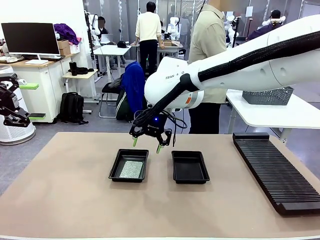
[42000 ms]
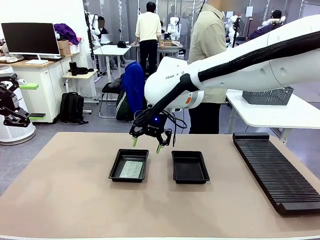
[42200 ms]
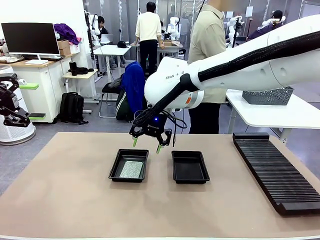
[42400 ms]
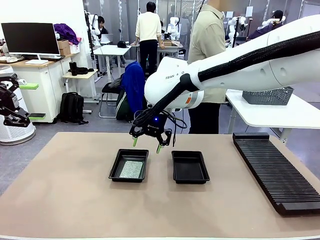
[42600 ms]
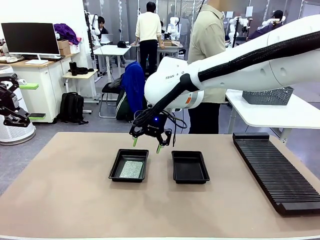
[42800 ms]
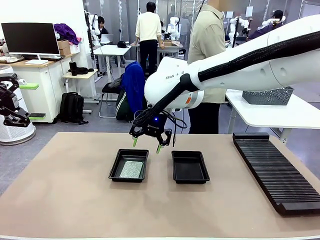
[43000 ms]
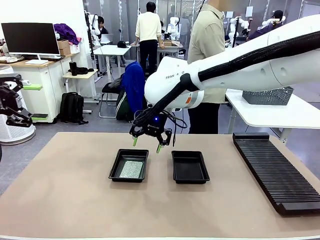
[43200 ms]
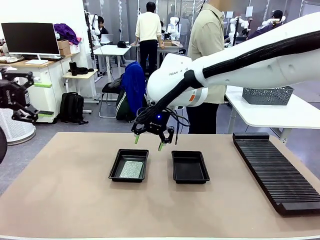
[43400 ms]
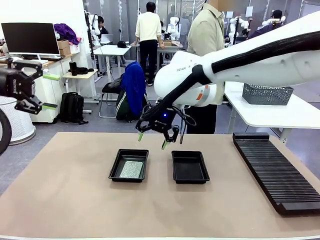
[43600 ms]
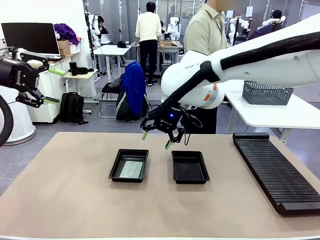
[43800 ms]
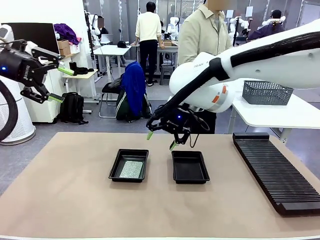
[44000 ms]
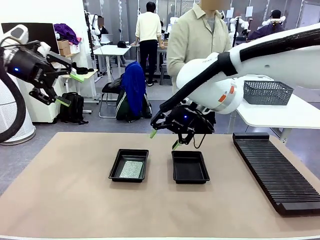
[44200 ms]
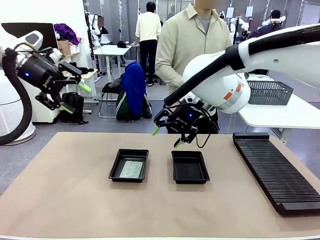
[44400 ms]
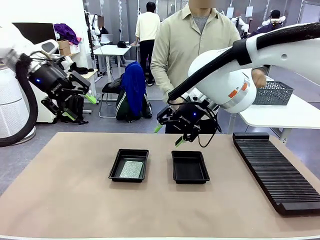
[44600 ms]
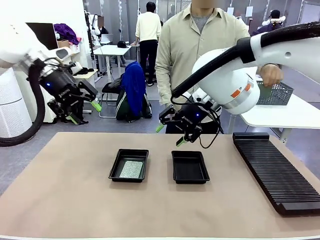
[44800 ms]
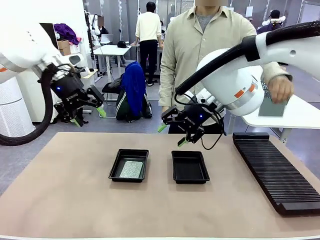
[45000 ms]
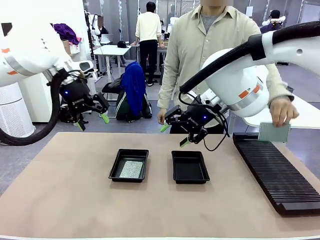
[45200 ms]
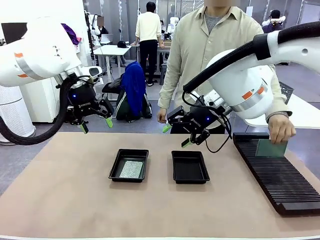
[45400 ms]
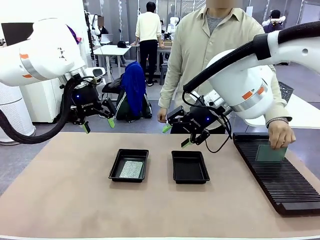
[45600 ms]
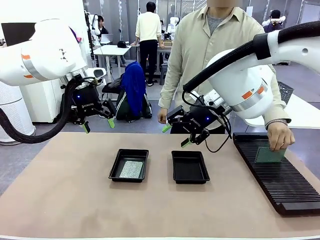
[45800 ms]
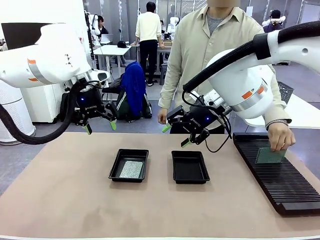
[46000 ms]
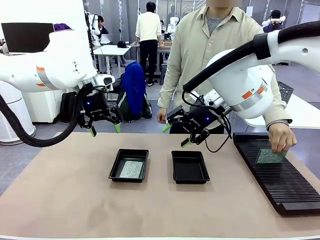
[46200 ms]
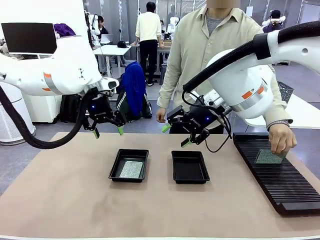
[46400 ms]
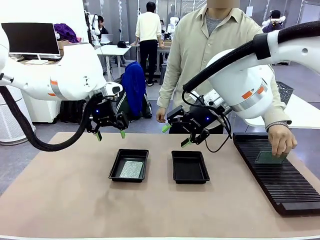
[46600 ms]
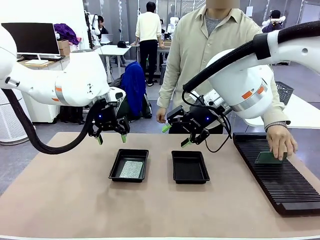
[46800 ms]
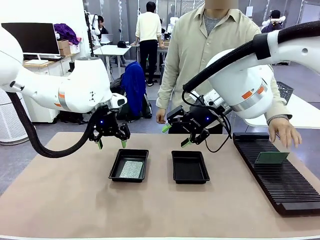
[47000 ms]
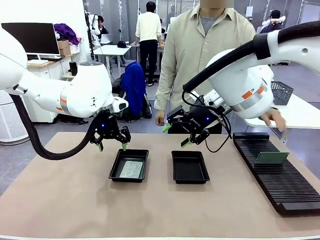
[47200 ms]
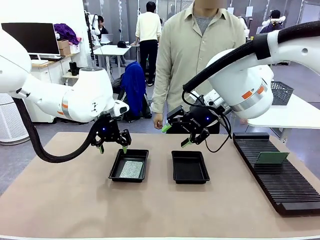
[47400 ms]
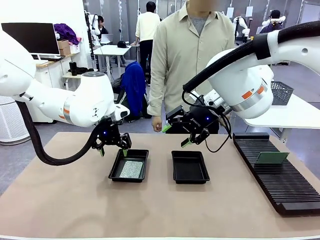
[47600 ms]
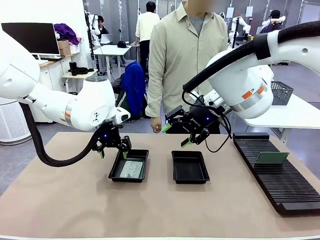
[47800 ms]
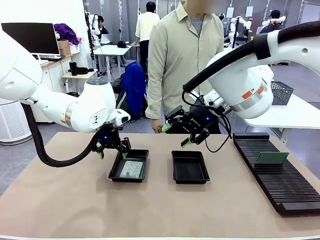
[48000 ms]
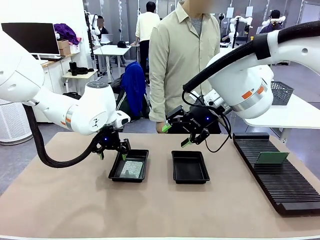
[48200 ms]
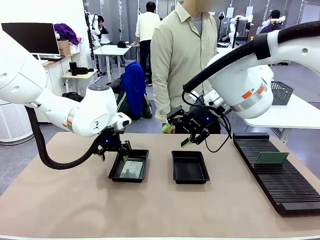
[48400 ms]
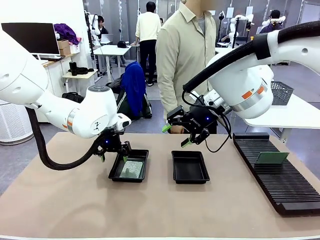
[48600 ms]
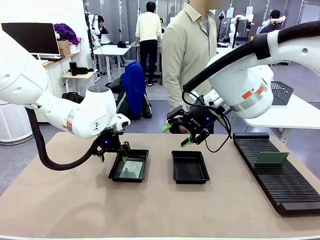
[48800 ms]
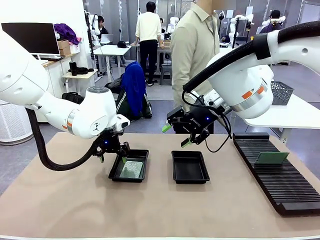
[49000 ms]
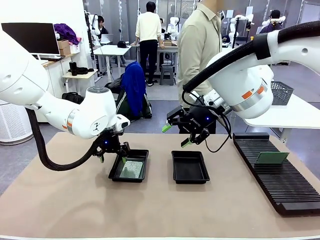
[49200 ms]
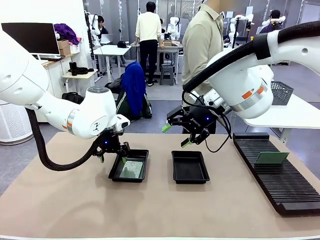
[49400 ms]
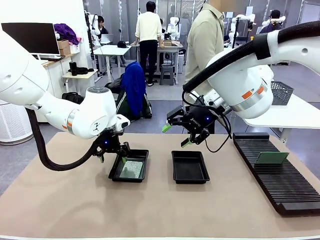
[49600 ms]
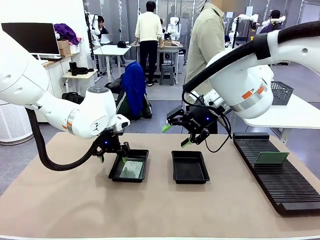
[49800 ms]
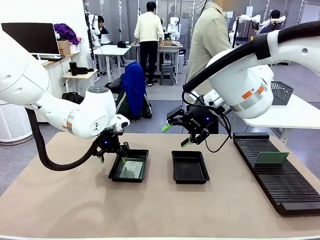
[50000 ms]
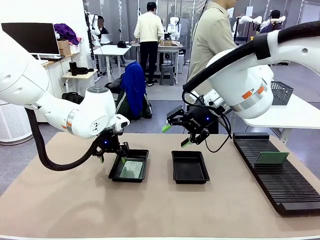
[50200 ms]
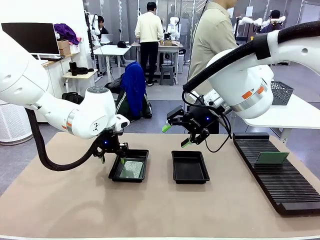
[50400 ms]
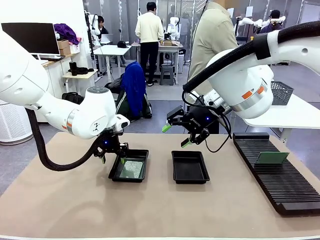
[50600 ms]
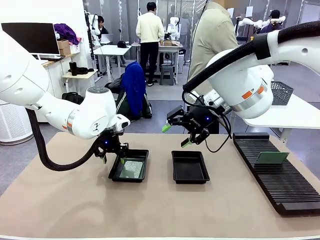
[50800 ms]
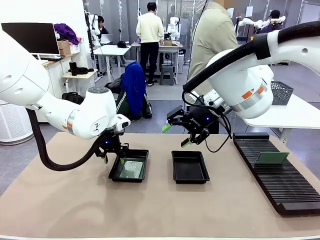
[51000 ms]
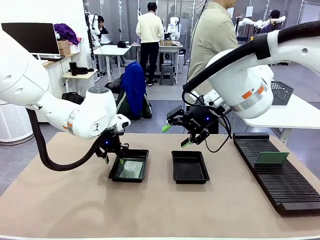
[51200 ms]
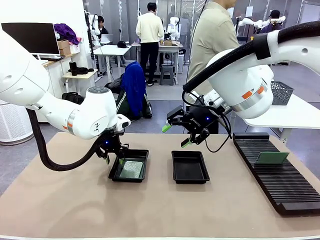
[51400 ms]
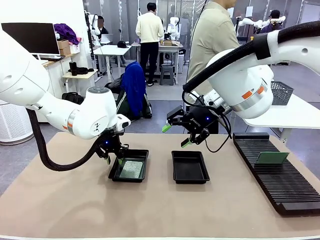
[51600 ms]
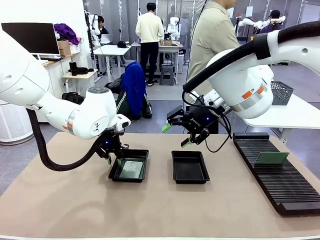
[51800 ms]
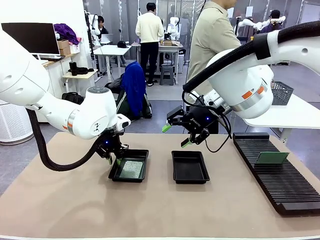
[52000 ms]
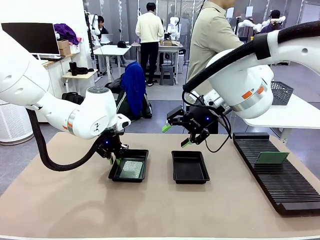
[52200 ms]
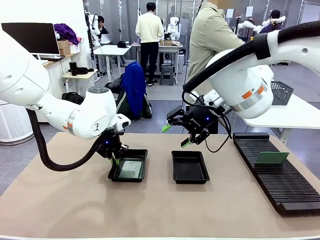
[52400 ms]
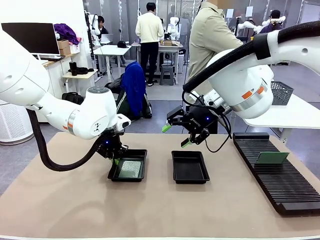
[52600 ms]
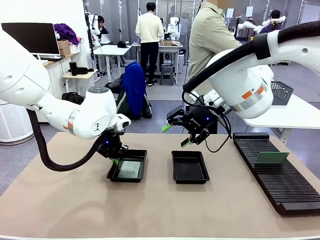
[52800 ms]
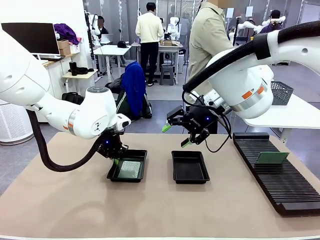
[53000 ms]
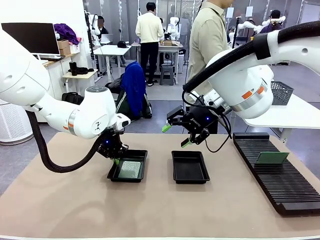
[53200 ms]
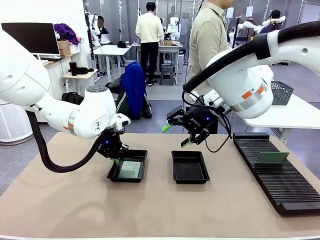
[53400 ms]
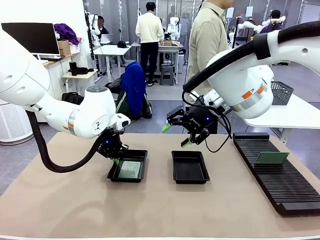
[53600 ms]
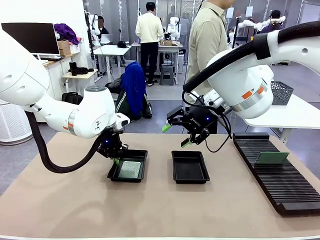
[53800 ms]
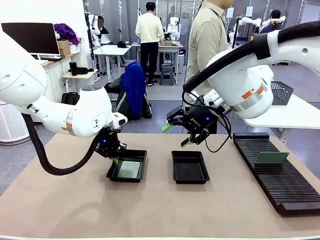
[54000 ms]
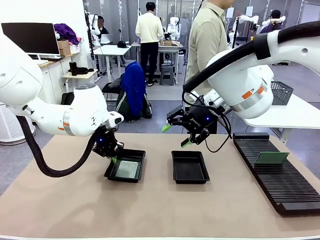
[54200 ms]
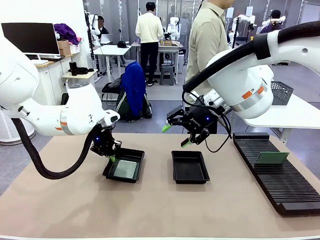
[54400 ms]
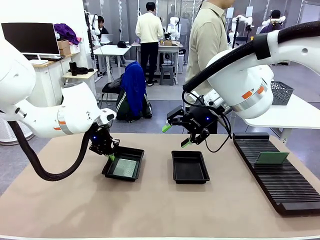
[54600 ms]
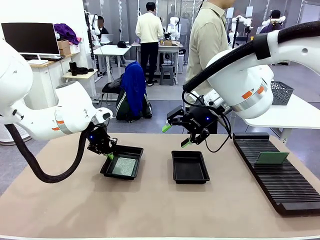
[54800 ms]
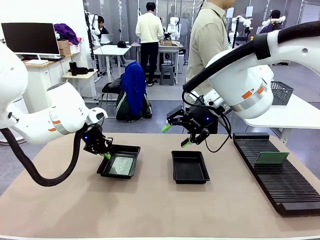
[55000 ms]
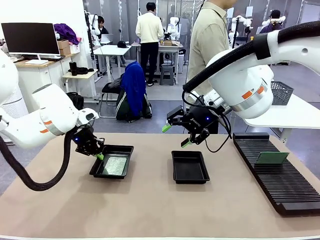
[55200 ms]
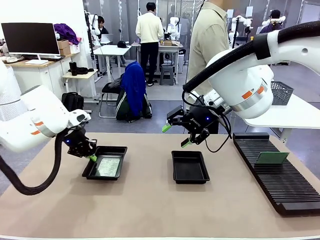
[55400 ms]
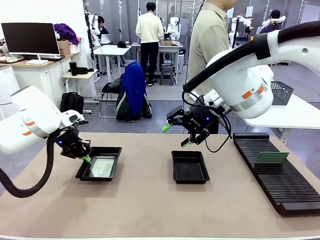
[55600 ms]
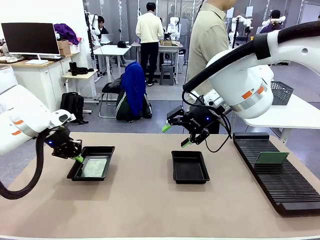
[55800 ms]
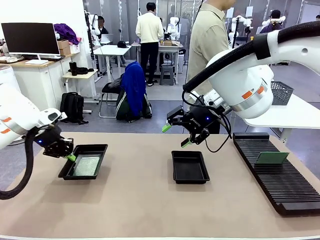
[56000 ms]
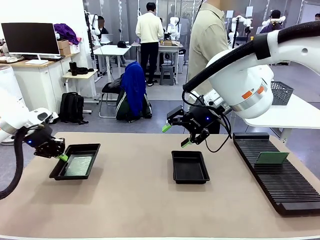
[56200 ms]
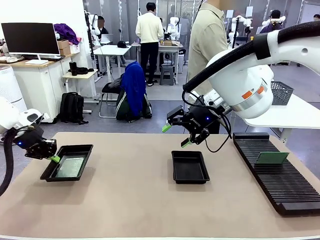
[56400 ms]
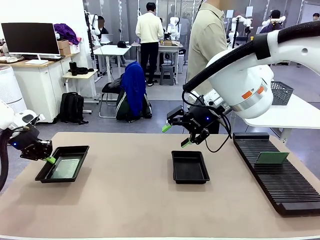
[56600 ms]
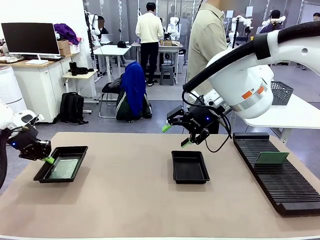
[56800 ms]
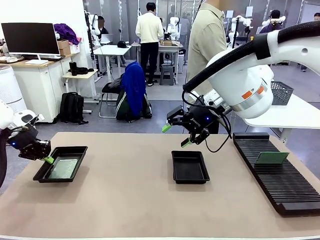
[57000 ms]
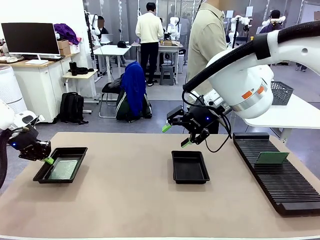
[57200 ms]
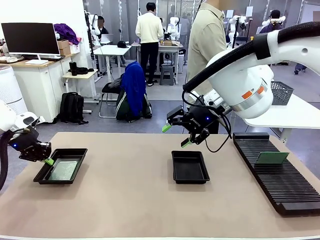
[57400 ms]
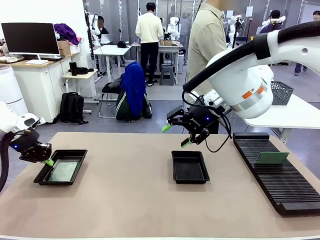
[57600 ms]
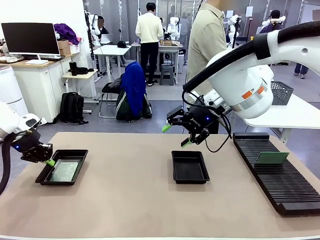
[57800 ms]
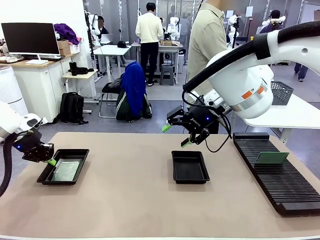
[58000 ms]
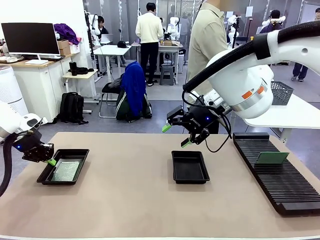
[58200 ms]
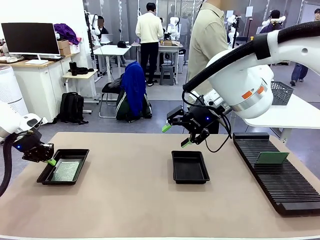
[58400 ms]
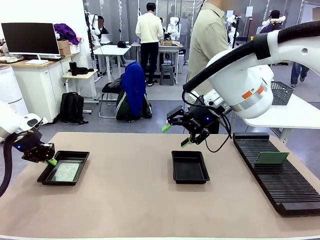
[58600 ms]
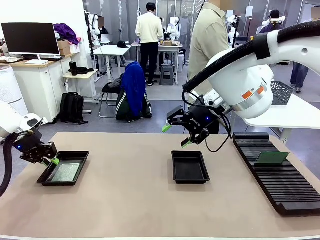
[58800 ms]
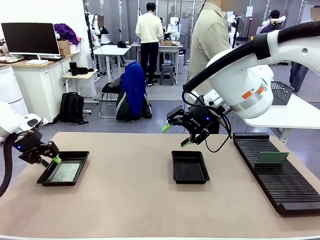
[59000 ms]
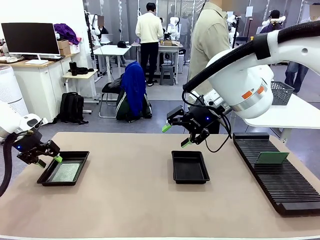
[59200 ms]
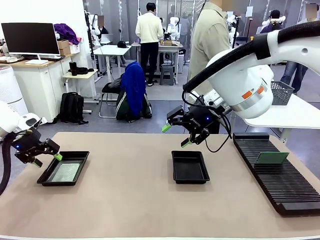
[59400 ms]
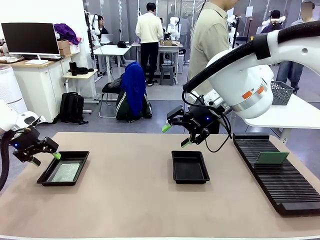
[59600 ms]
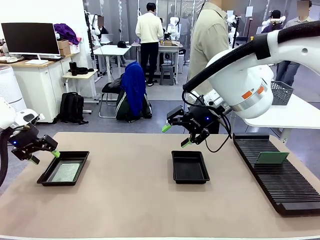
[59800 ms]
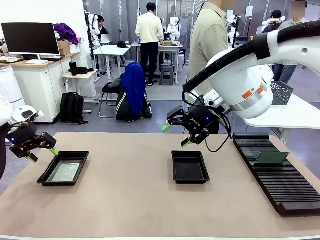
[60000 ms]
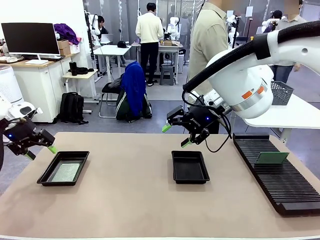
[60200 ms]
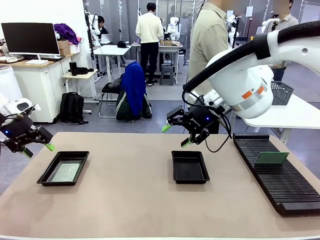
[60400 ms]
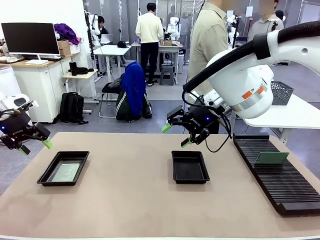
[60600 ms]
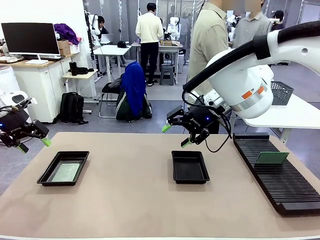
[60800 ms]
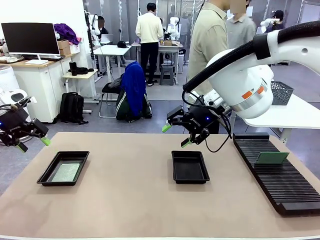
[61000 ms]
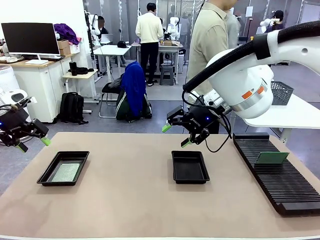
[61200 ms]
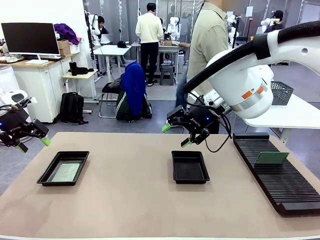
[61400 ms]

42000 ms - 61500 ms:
Task: Inspect and transfer BCBs to ESD trays.
Robot: Pick up the ESD tray and place it on the left side of the table.
